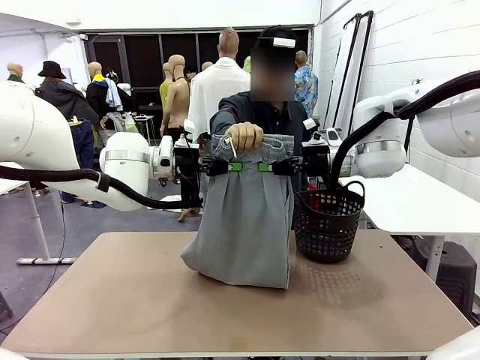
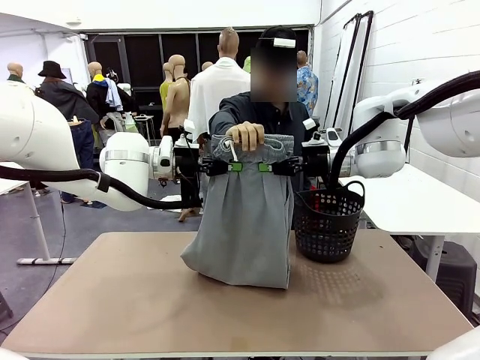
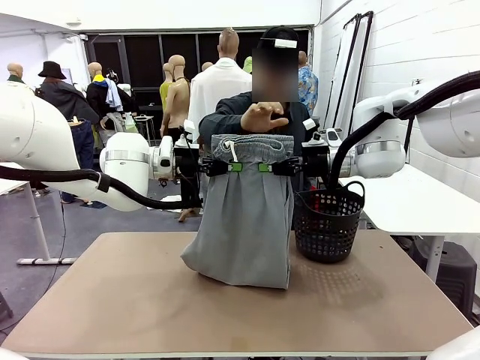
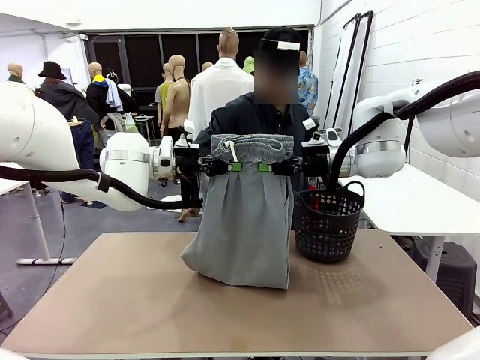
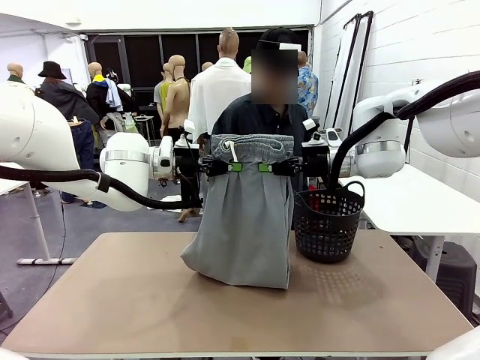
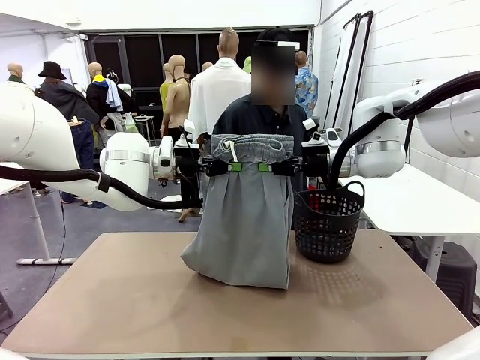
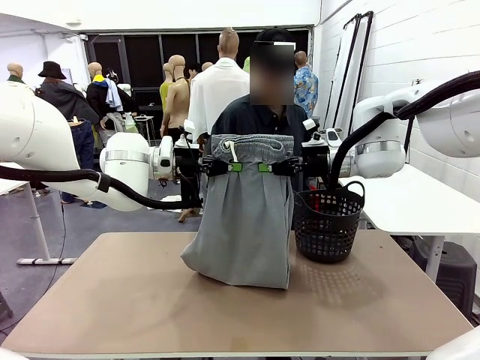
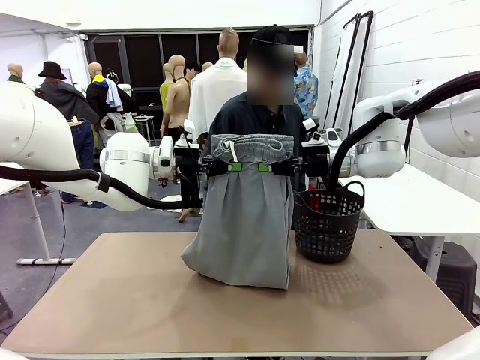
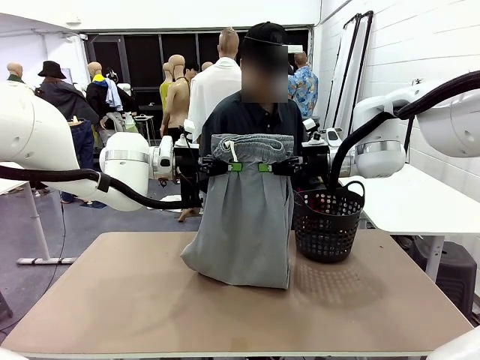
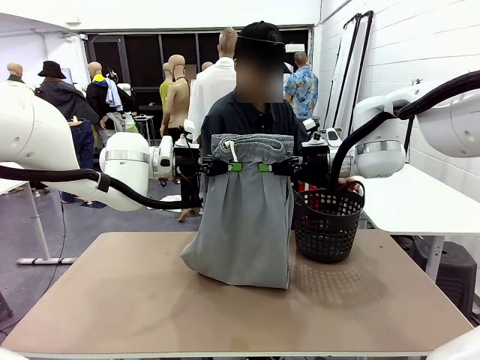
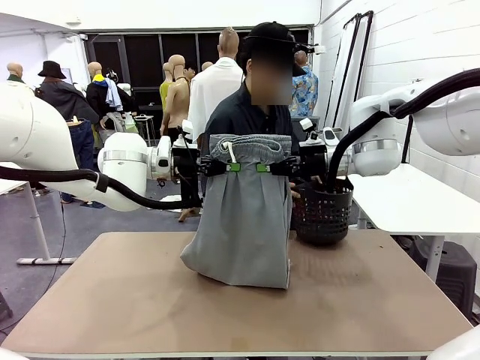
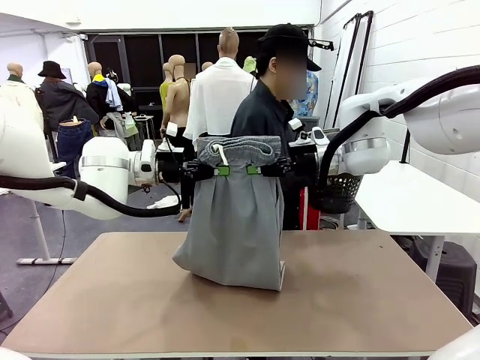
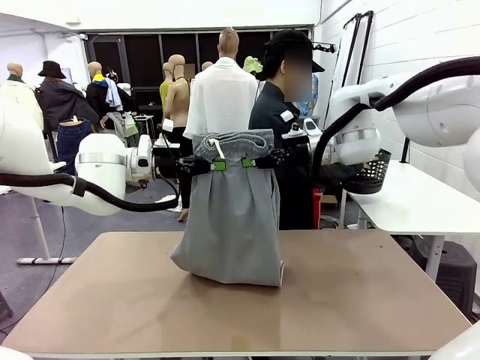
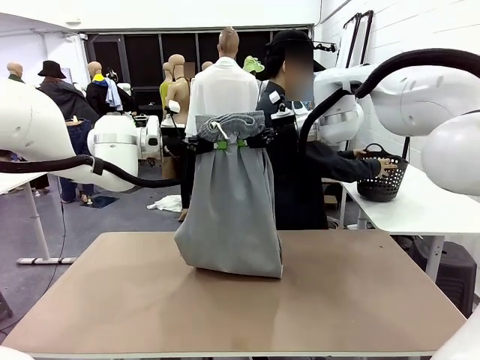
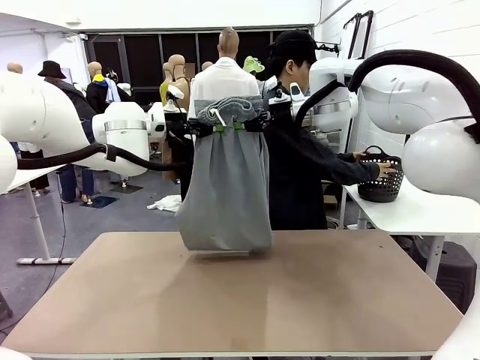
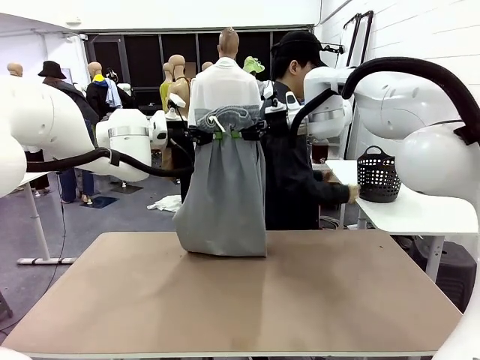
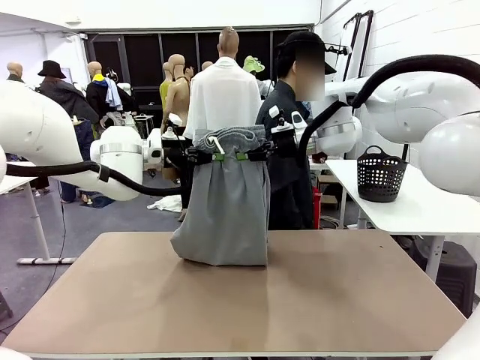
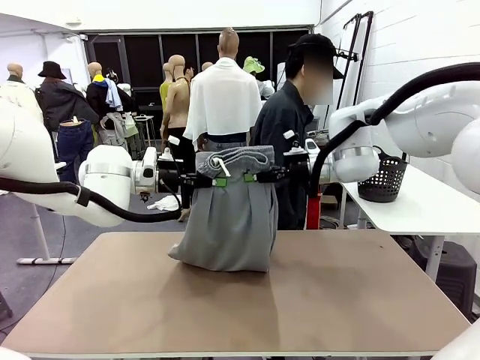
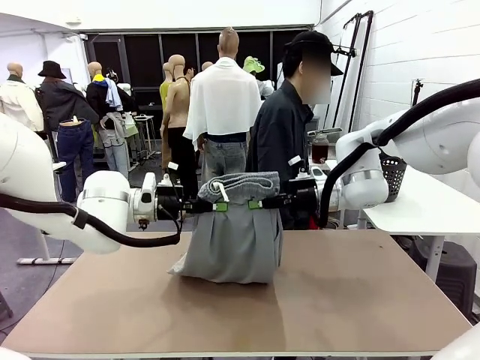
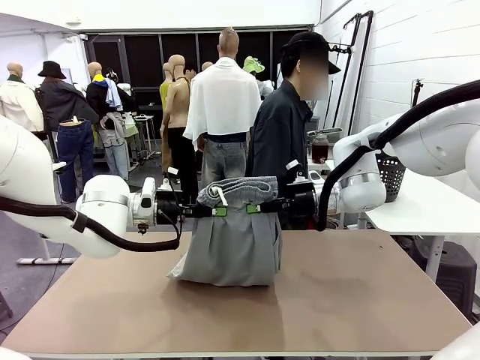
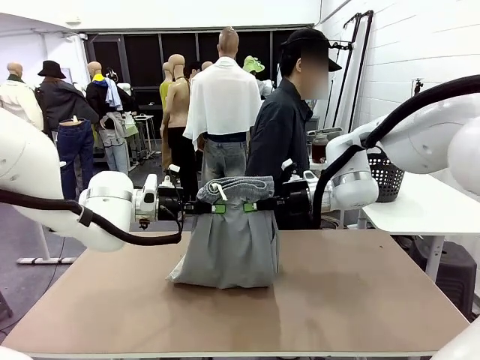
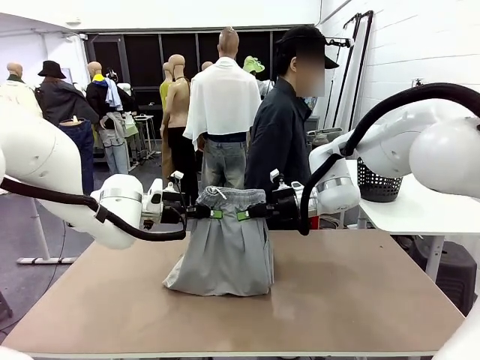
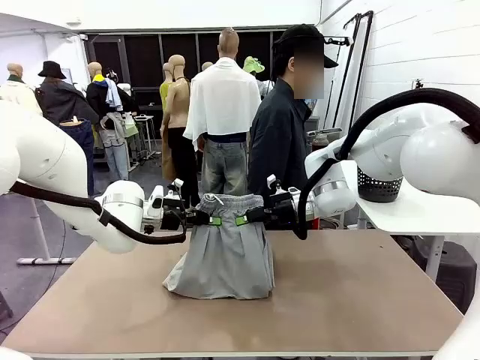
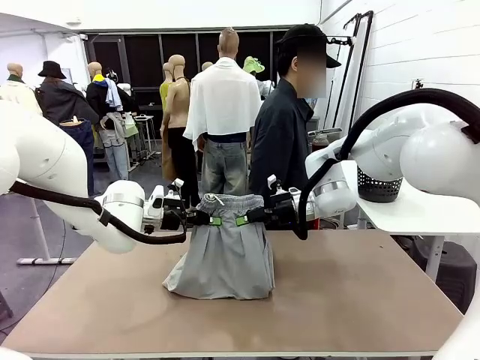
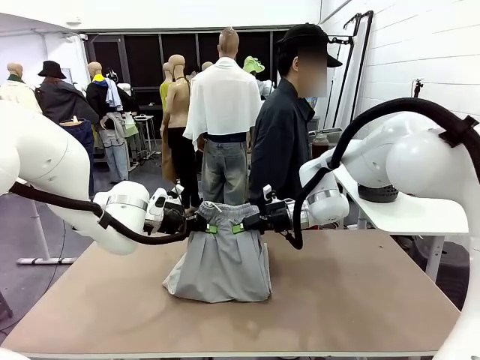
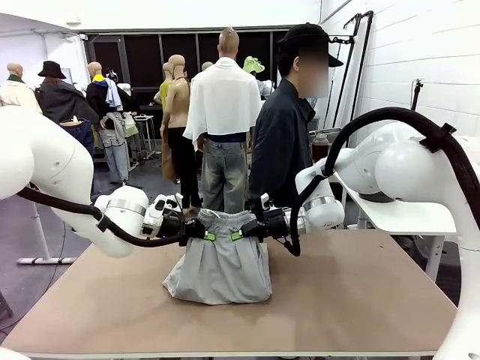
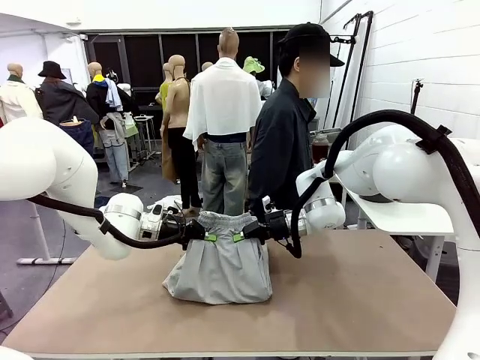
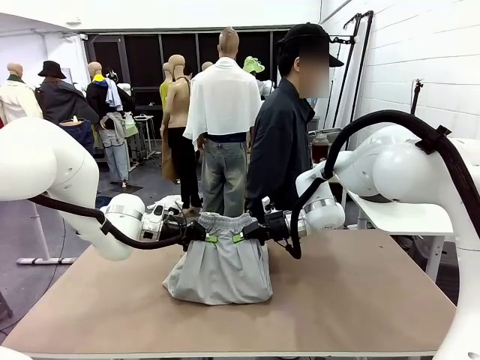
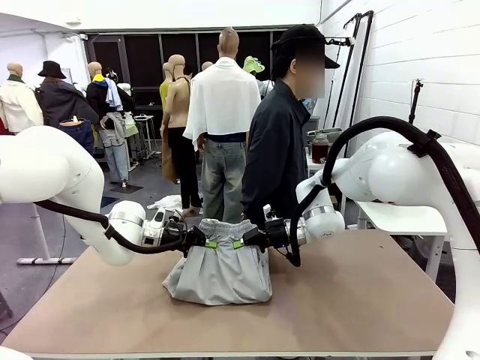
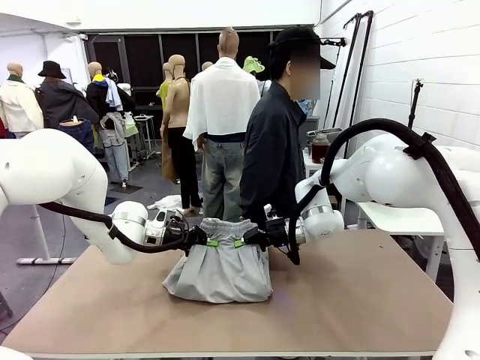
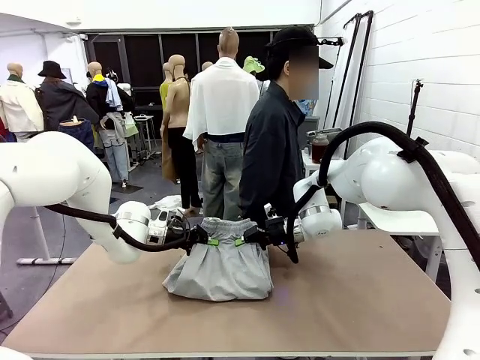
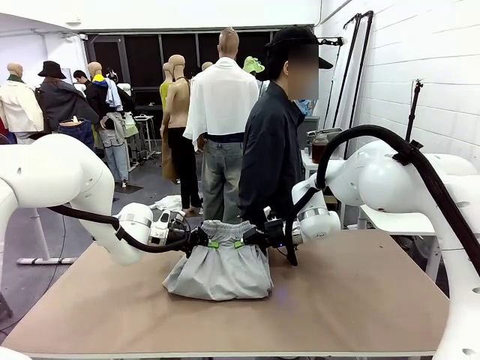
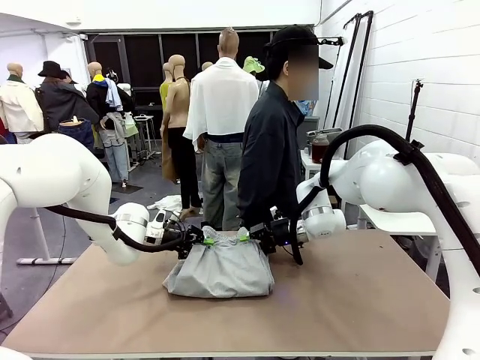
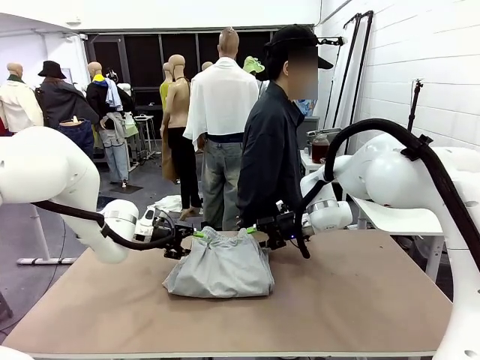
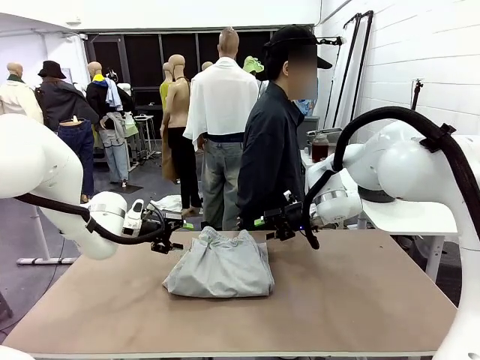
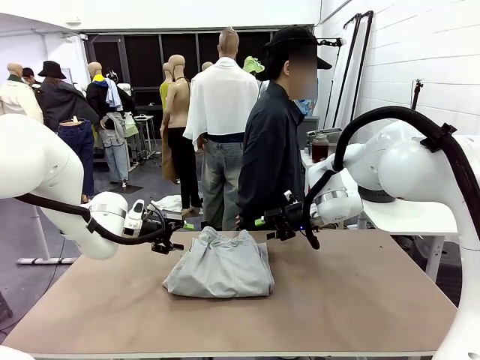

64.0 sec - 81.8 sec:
Task: Fold the training pants.
Robot: Fold the Training pants in half.
Person: Move the laundry basket to the right of the human table.

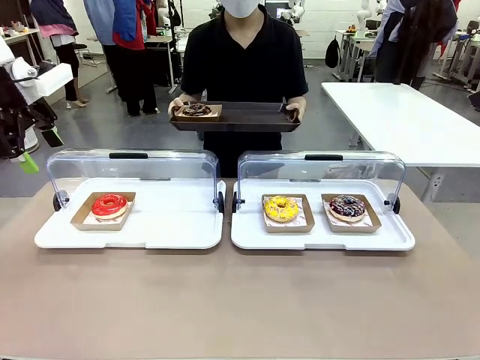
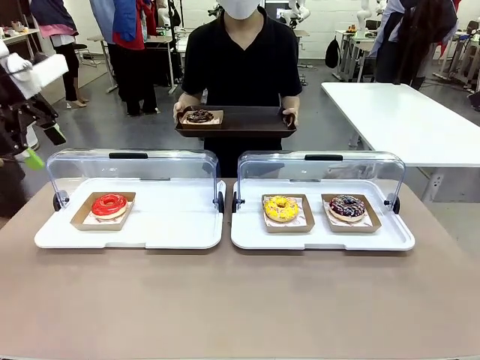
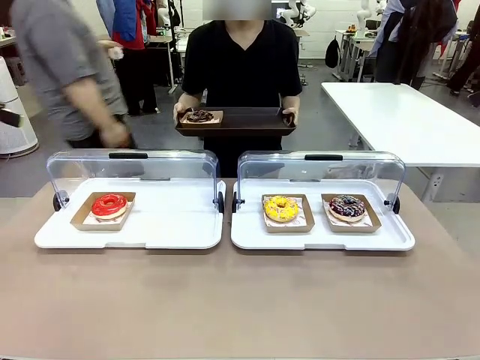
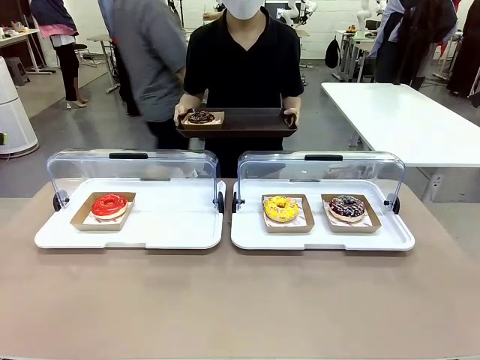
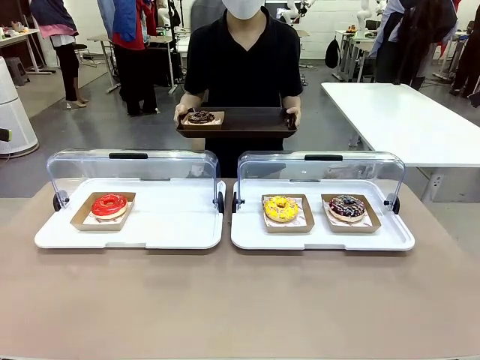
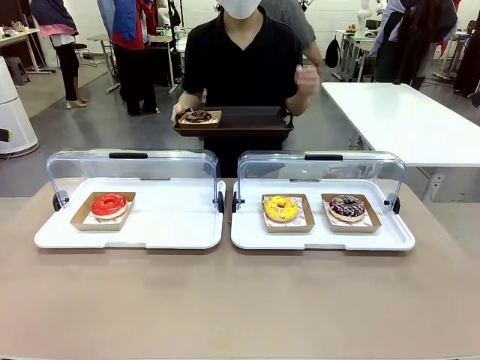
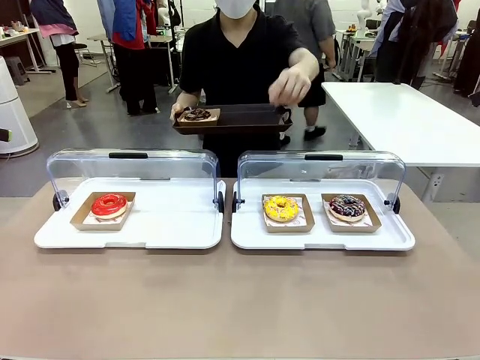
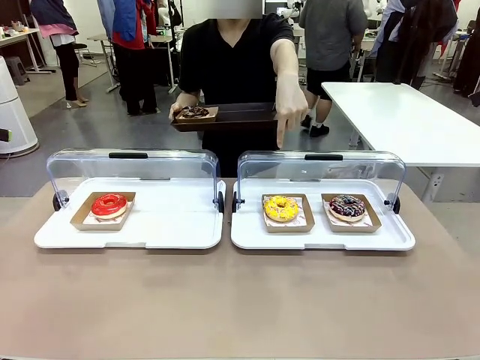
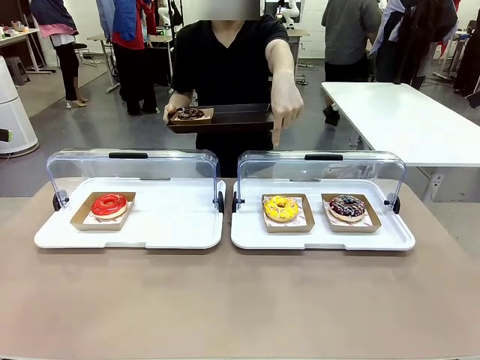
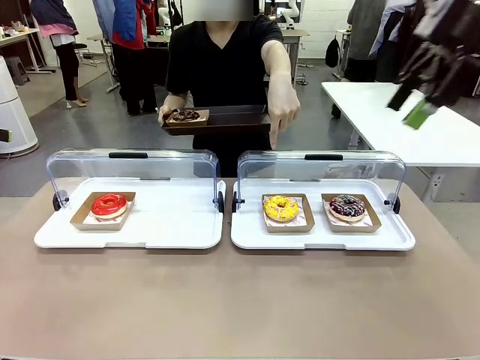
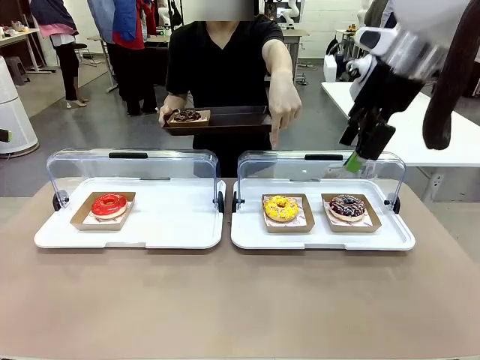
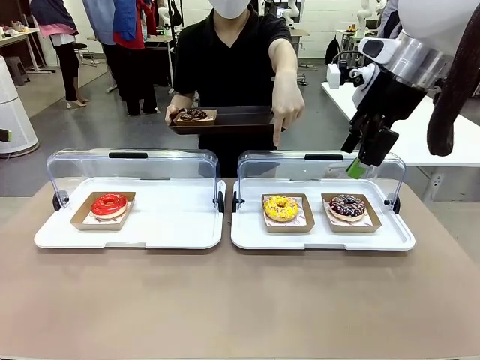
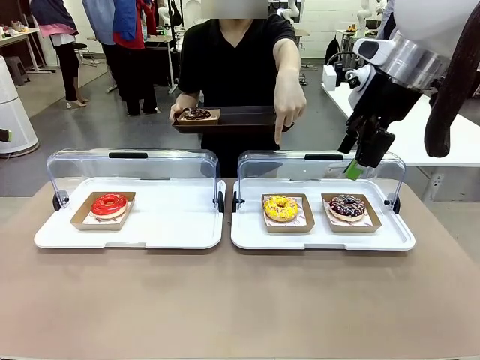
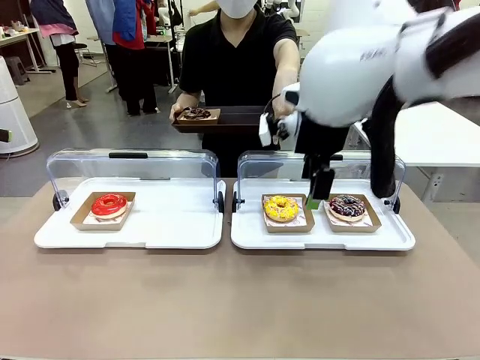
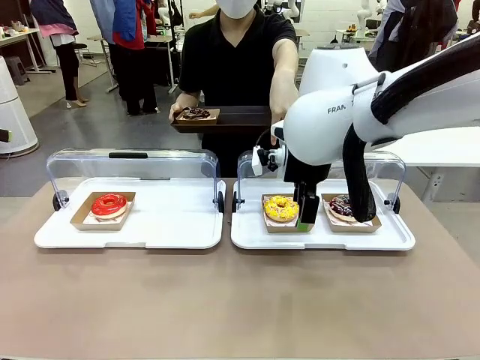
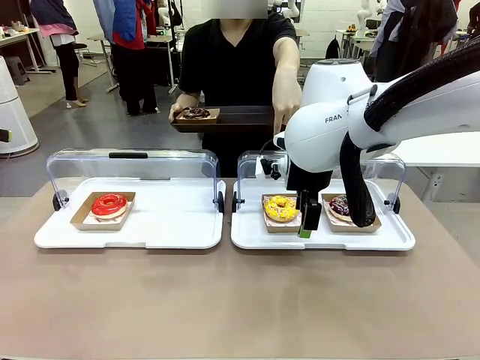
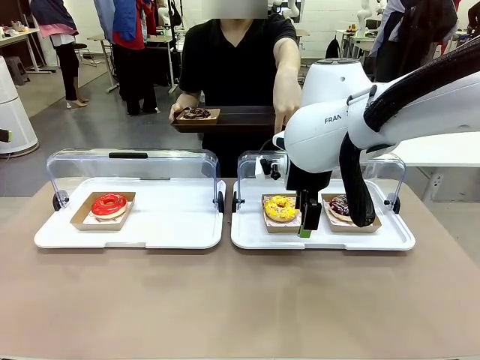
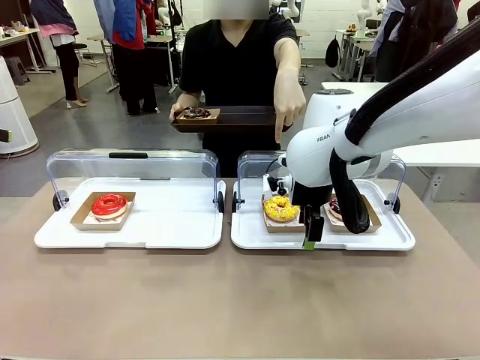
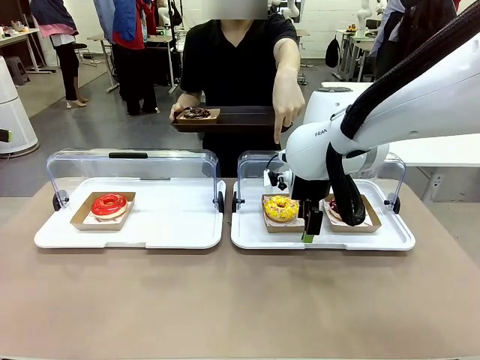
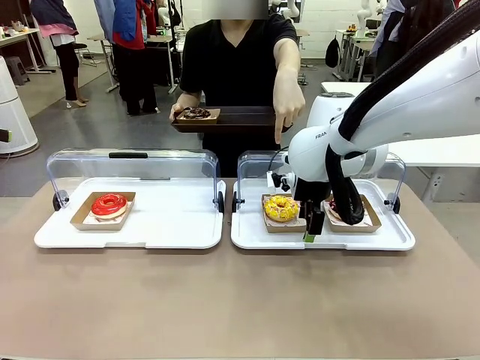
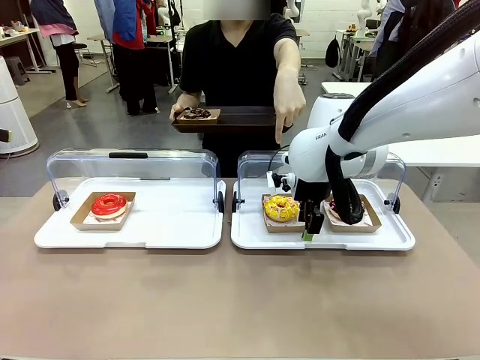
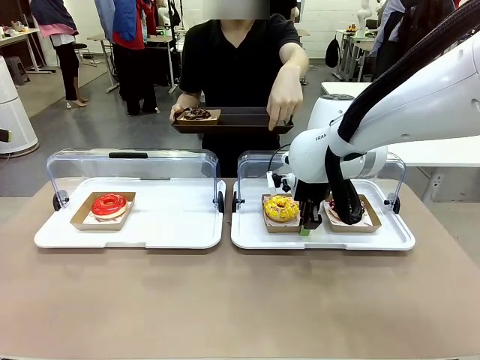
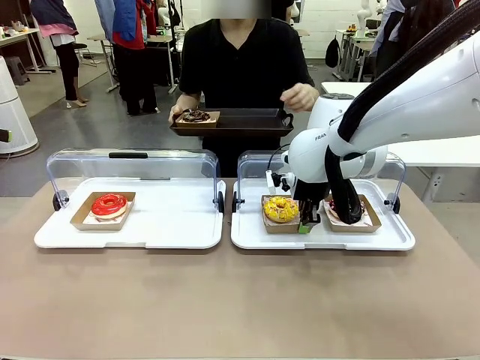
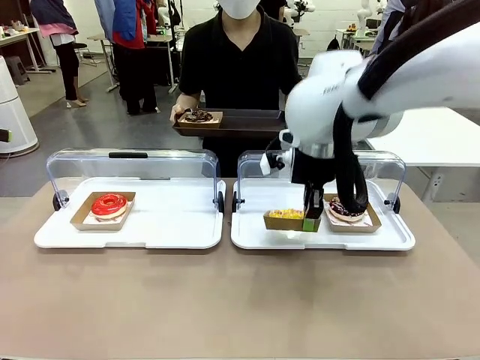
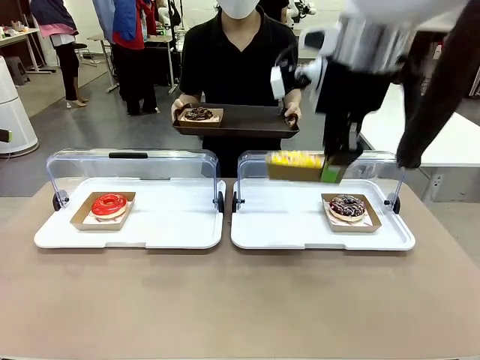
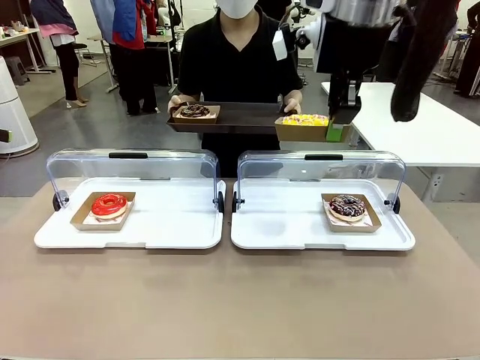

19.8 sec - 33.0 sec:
Task: Provide the desired donut to the person.
Robot: Pick up and lift the Paper togo box containing the Donut pointed at by the person.
Person: Point to one donut. Lift the tray onto the Roll-Top Bakery Case.
